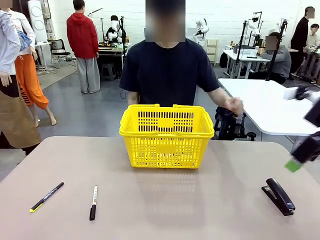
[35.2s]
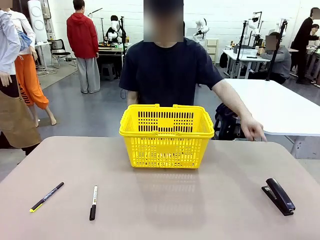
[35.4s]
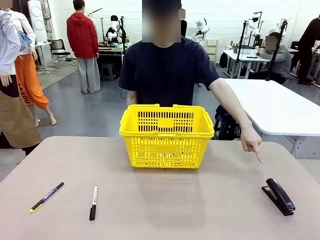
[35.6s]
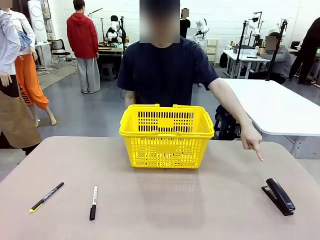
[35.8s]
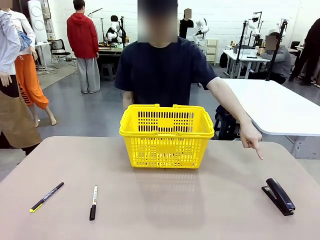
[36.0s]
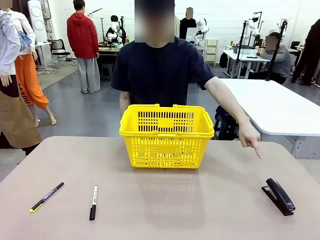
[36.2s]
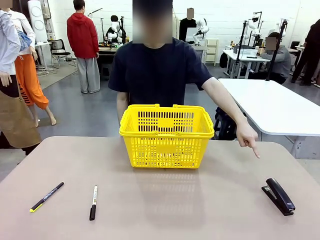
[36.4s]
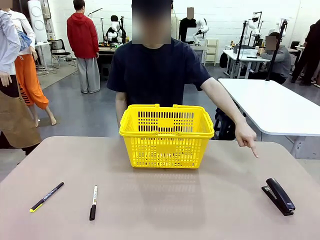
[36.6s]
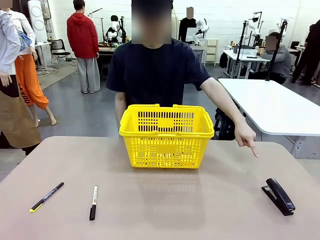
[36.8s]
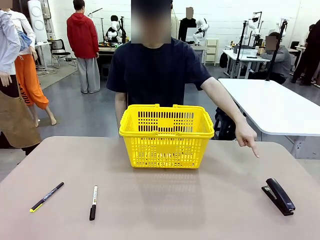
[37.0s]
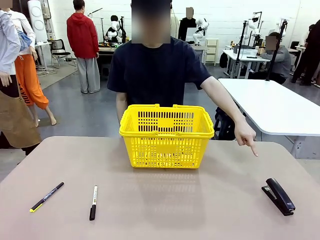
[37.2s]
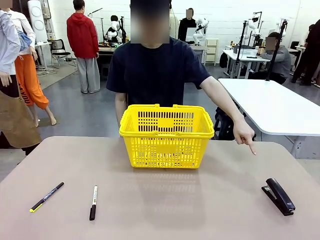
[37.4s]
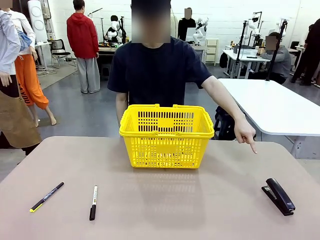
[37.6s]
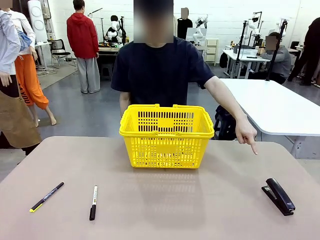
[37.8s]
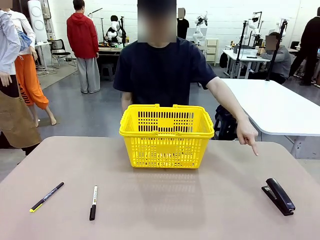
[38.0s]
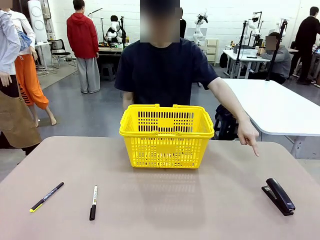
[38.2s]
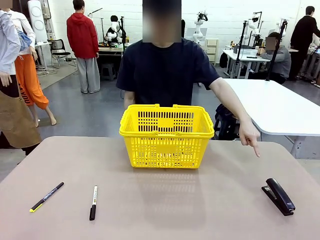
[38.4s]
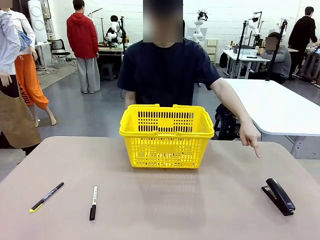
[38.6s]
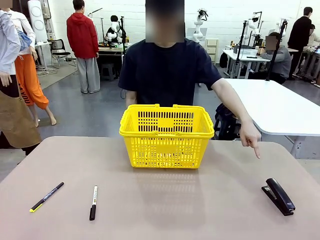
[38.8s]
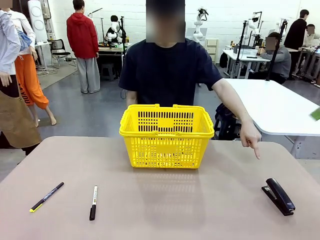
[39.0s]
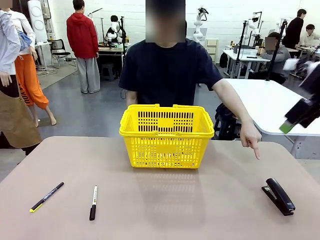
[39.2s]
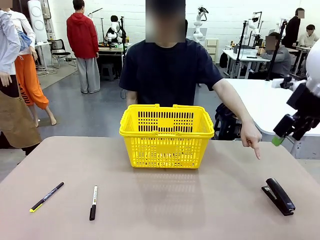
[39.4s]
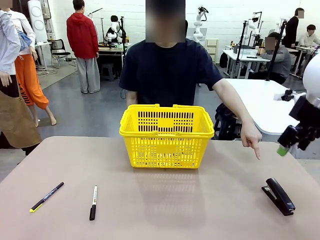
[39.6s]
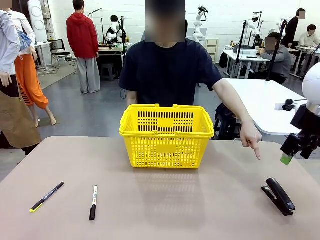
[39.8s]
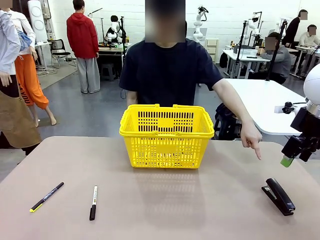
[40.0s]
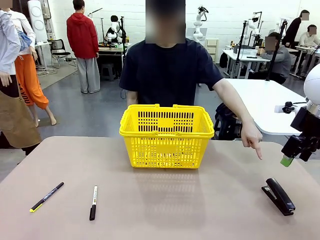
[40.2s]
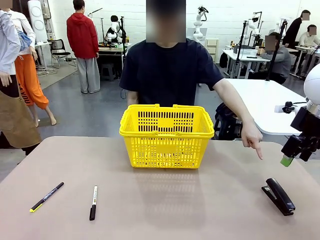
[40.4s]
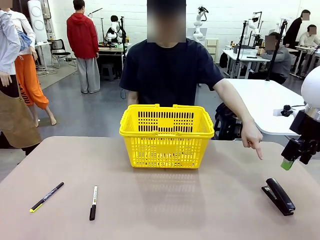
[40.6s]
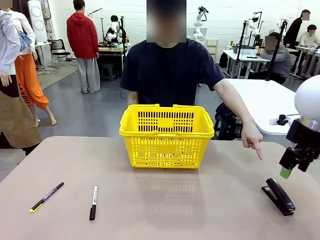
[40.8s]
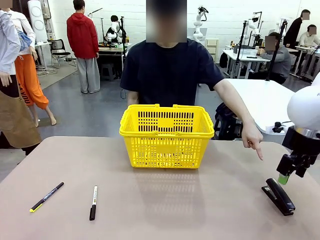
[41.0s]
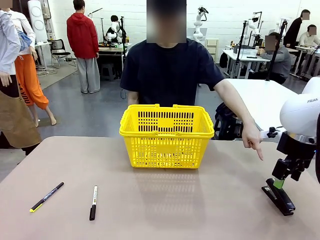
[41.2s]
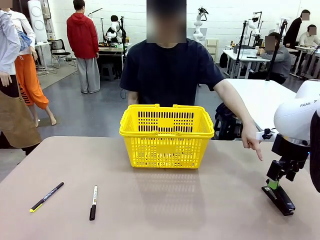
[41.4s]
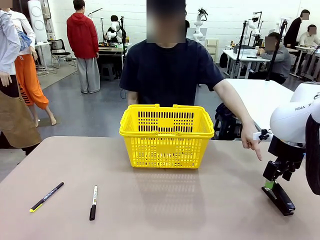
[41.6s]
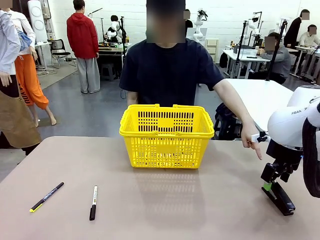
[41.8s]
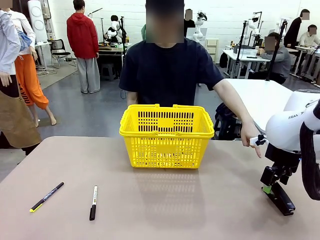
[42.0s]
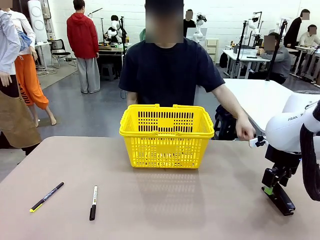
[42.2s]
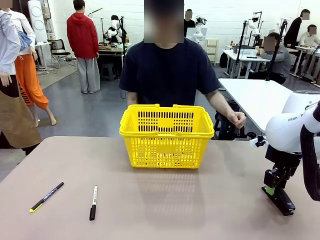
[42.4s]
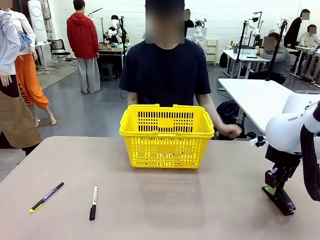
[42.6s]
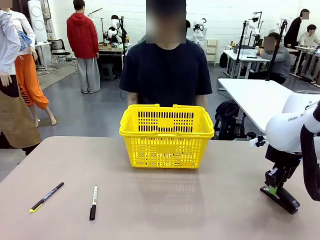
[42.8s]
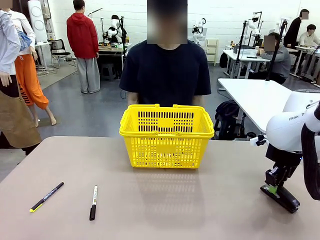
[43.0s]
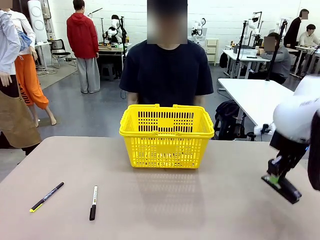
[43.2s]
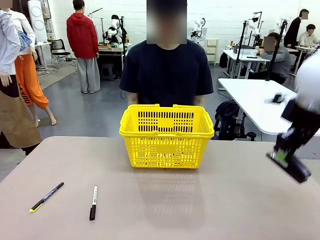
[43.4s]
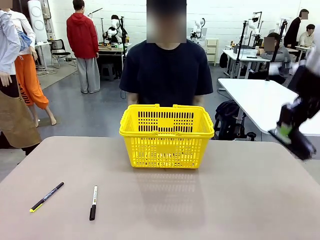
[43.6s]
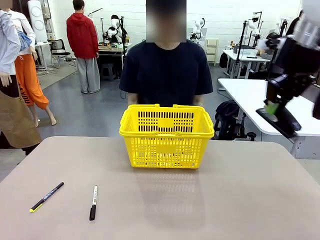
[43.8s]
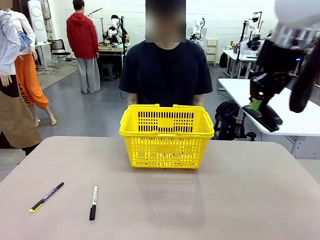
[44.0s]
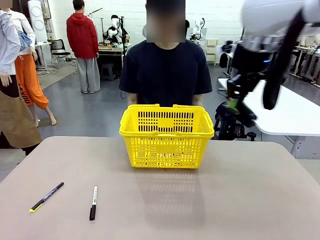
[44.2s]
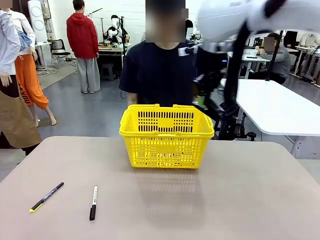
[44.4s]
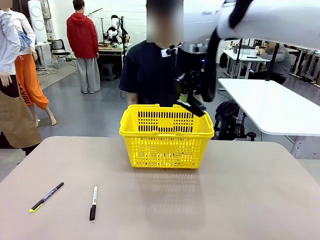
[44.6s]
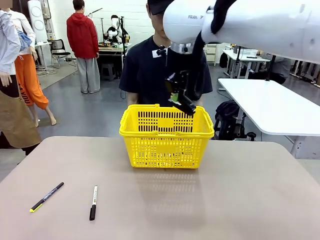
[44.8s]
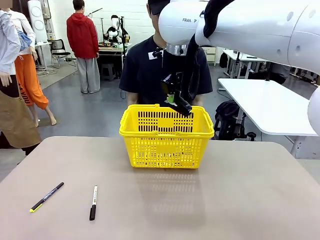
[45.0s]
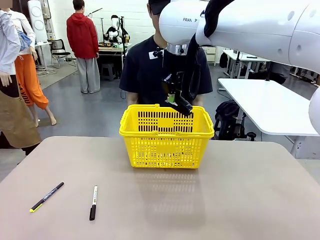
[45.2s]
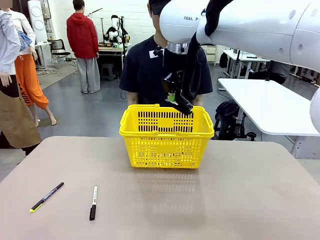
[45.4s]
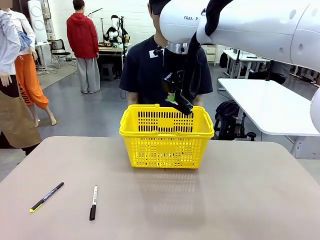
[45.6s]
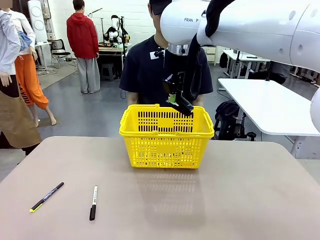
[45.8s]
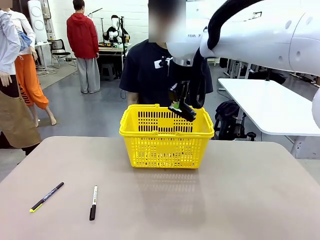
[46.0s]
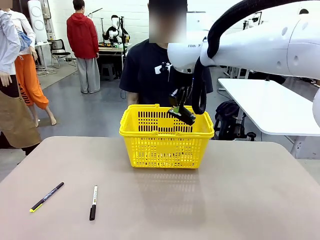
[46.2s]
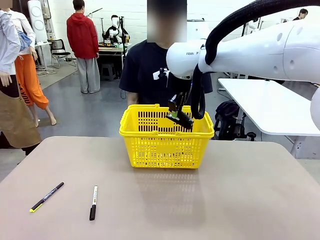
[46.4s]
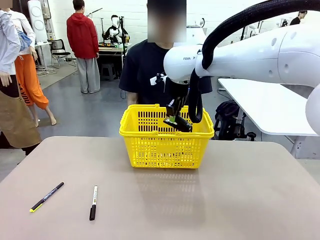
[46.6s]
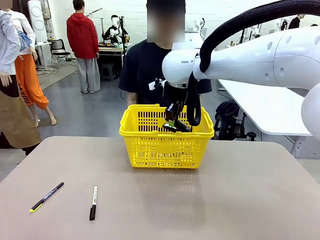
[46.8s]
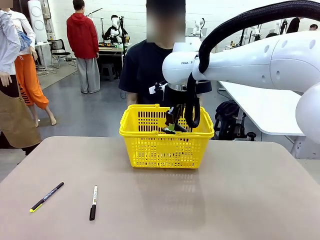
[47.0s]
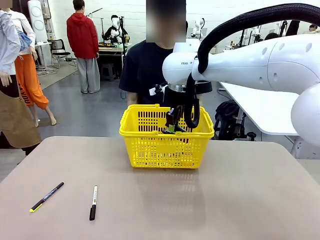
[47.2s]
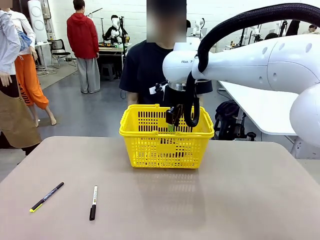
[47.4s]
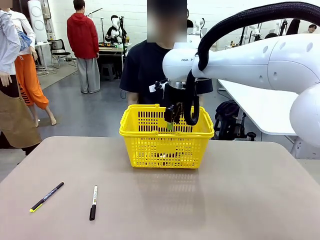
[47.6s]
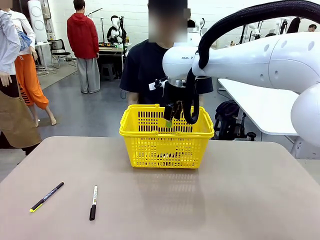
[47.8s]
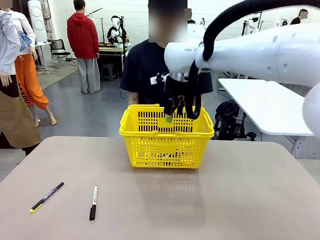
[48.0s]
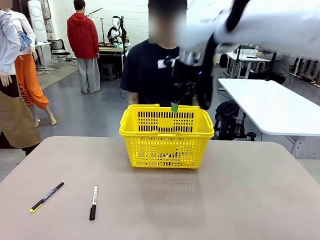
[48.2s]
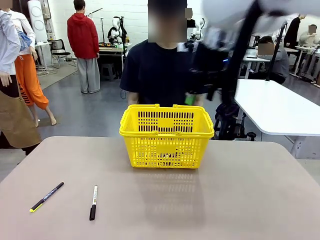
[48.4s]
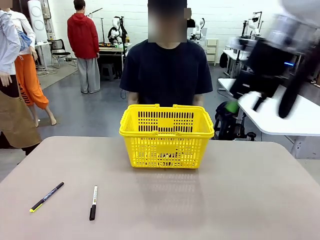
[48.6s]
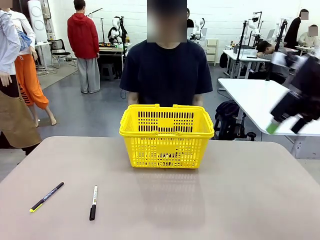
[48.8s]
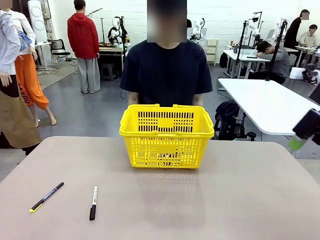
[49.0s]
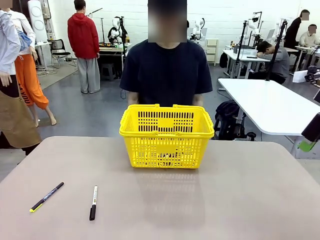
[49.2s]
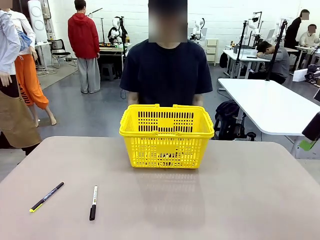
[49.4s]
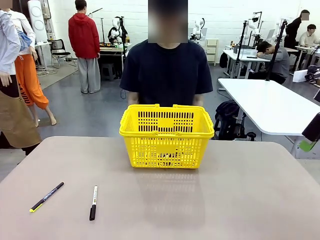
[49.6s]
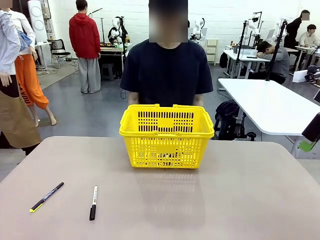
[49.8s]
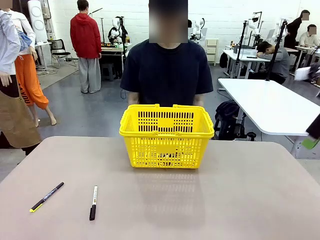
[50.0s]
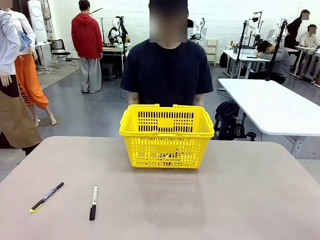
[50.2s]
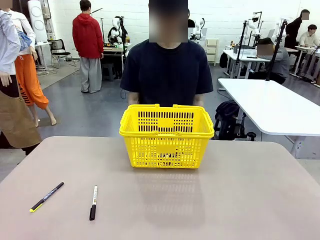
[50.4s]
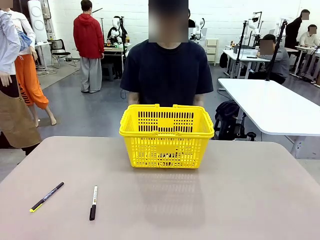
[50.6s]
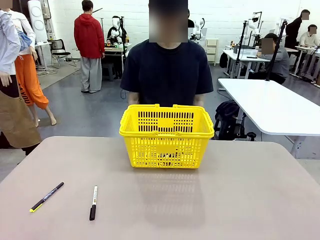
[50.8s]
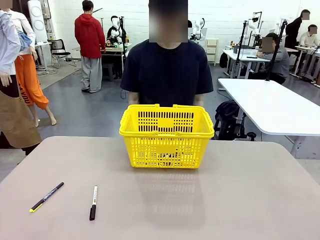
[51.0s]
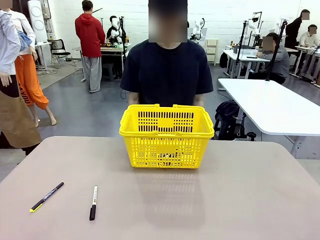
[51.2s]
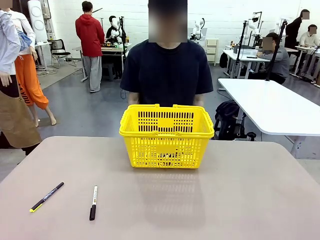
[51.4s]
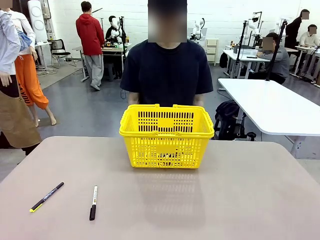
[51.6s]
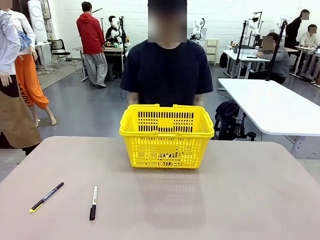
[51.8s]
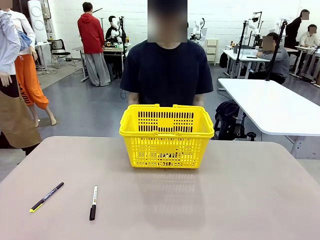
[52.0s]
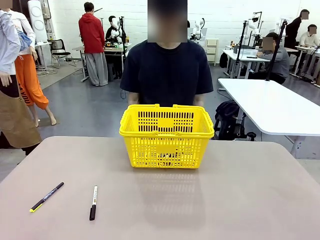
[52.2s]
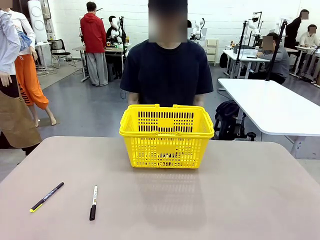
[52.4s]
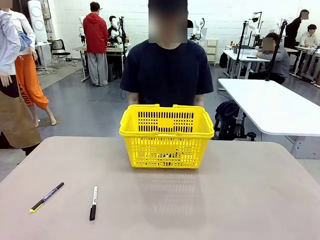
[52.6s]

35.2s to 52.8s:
Task: Place the items the person wants into the basket.
Robot: Pick up the item the person points to and place it in the Market Basket.
